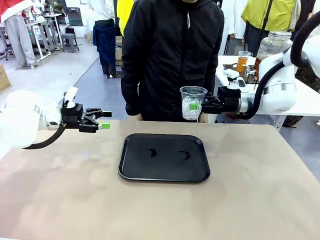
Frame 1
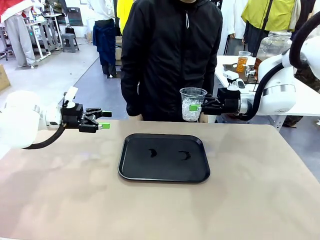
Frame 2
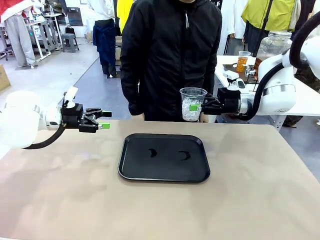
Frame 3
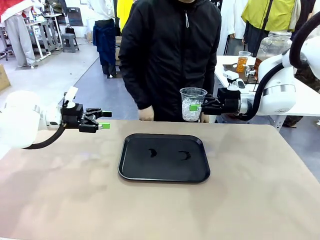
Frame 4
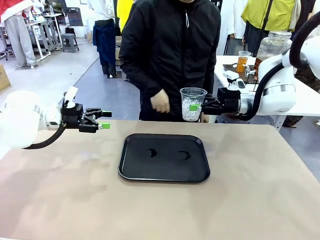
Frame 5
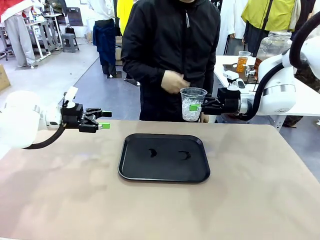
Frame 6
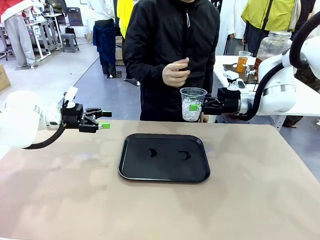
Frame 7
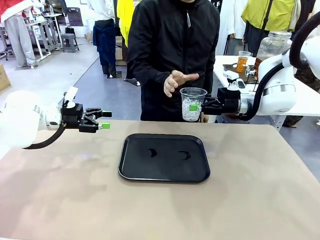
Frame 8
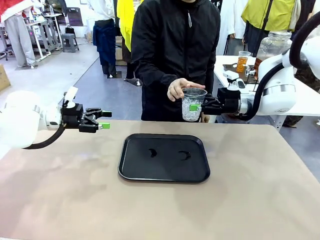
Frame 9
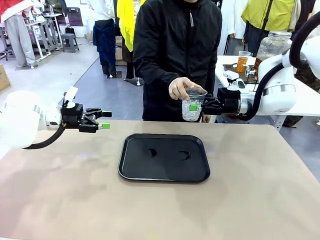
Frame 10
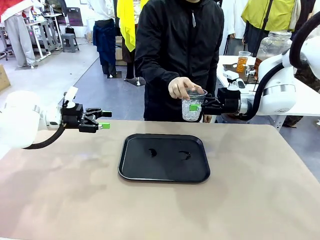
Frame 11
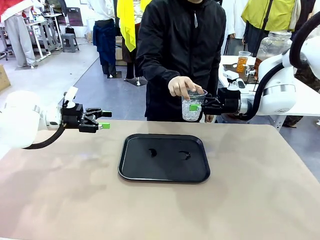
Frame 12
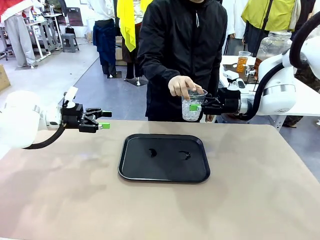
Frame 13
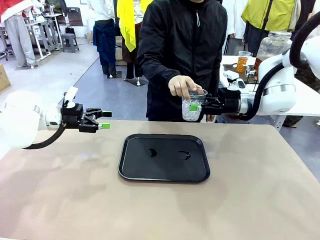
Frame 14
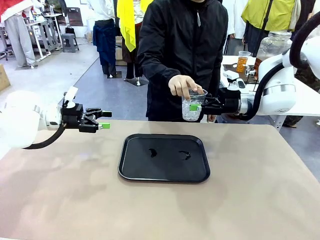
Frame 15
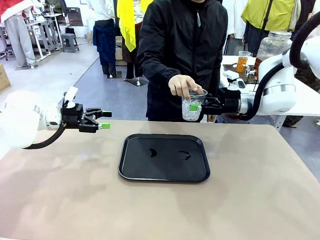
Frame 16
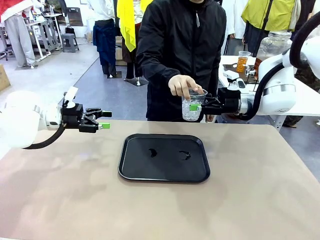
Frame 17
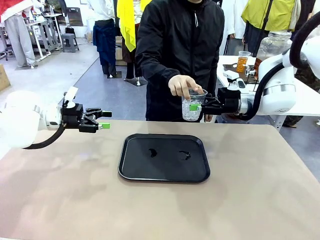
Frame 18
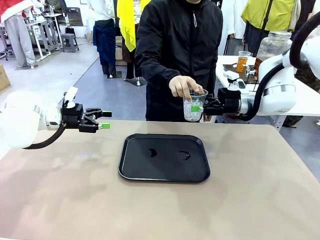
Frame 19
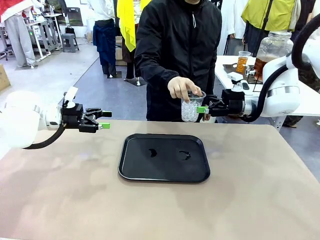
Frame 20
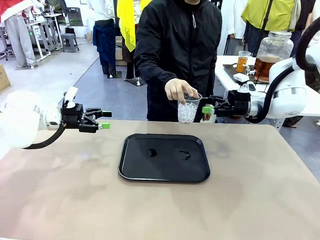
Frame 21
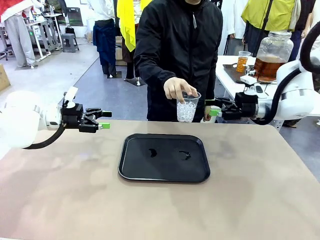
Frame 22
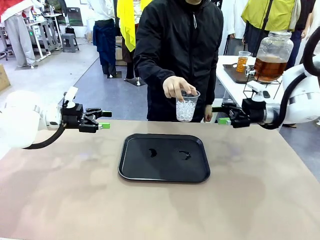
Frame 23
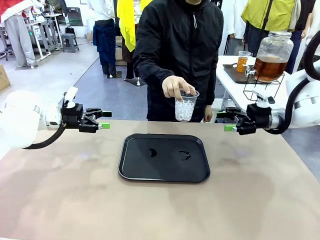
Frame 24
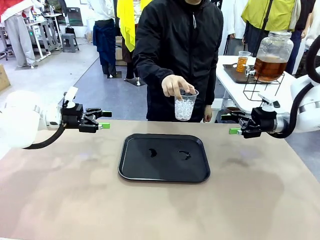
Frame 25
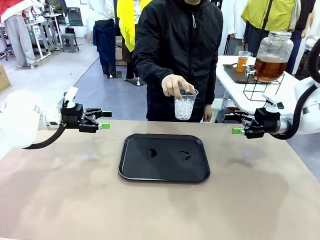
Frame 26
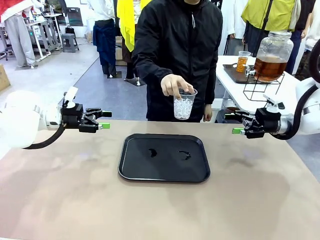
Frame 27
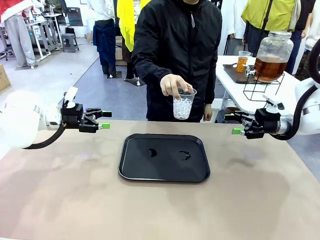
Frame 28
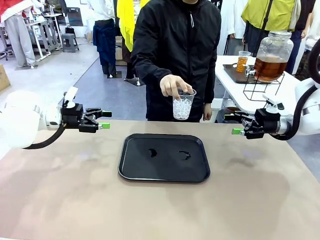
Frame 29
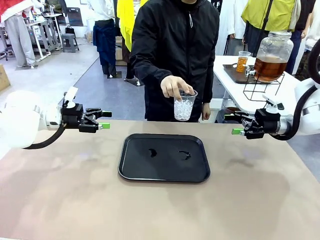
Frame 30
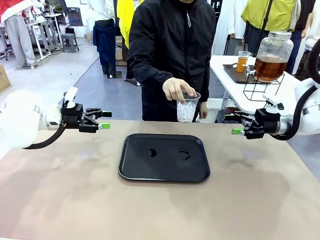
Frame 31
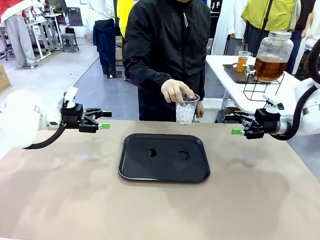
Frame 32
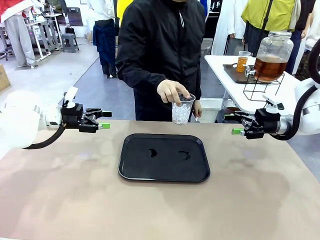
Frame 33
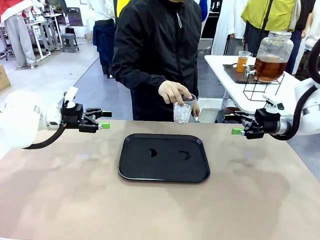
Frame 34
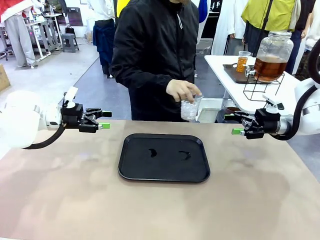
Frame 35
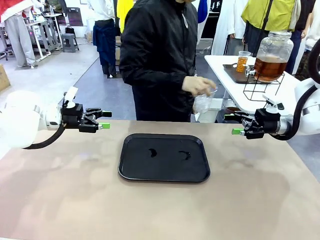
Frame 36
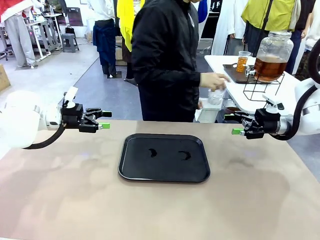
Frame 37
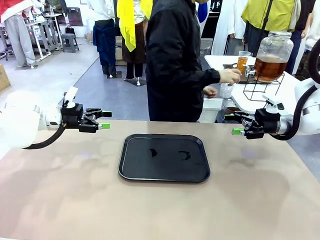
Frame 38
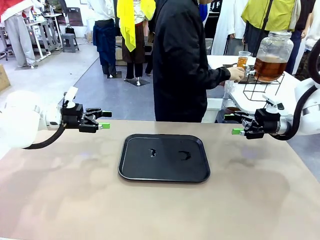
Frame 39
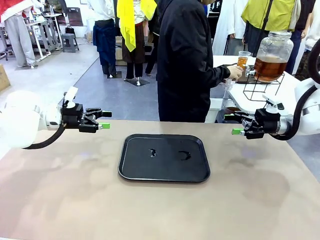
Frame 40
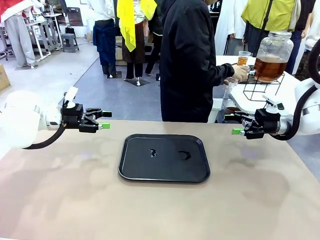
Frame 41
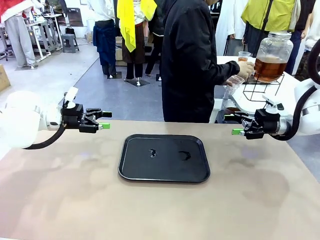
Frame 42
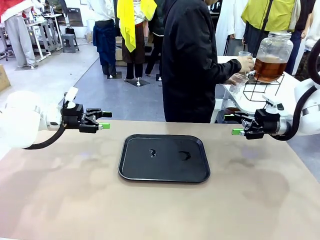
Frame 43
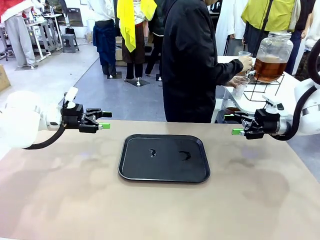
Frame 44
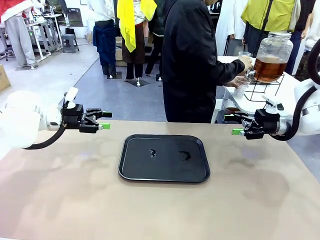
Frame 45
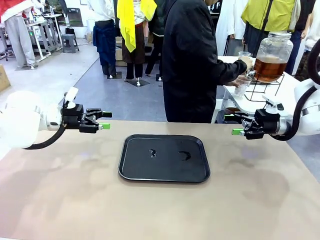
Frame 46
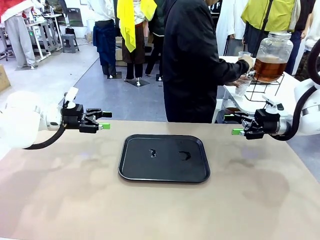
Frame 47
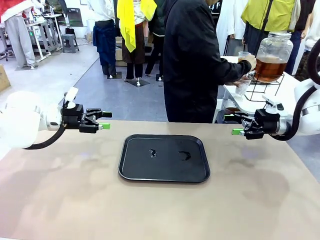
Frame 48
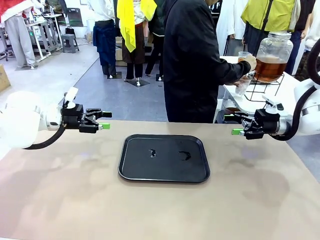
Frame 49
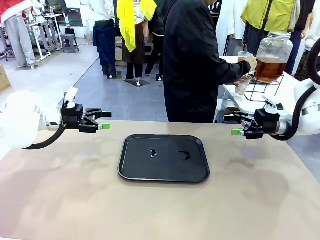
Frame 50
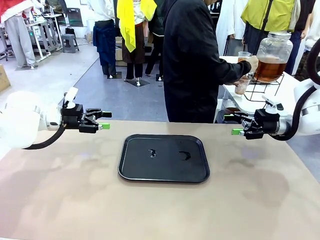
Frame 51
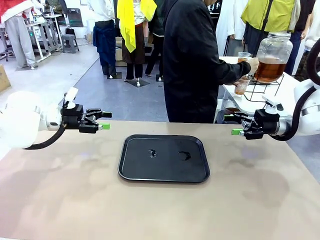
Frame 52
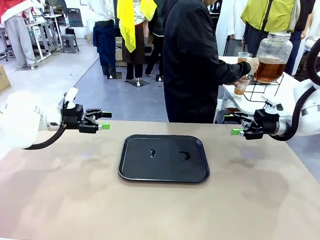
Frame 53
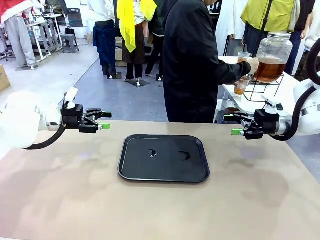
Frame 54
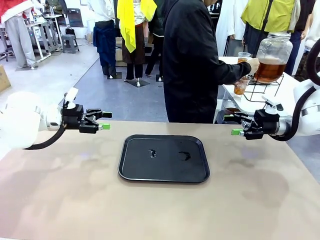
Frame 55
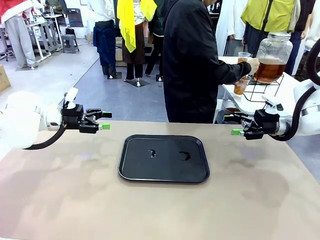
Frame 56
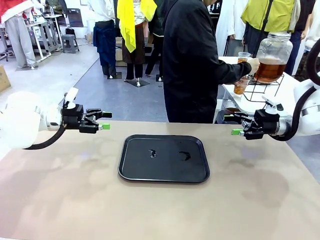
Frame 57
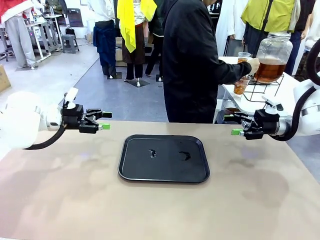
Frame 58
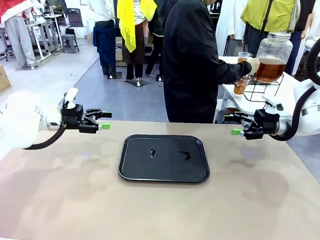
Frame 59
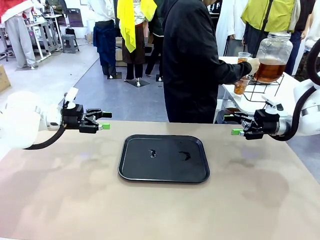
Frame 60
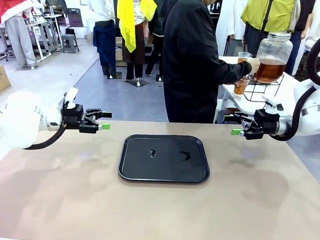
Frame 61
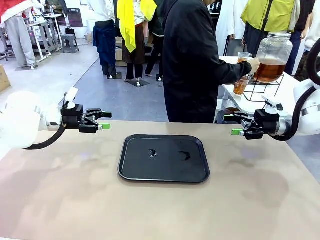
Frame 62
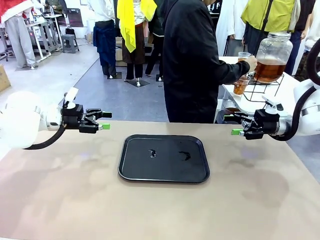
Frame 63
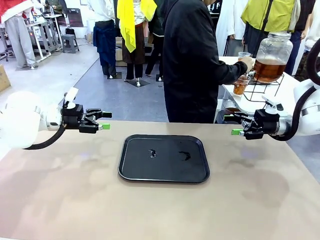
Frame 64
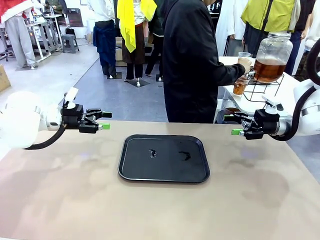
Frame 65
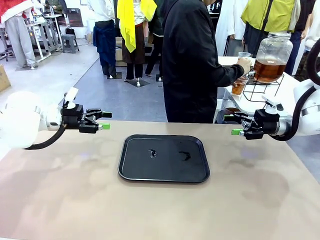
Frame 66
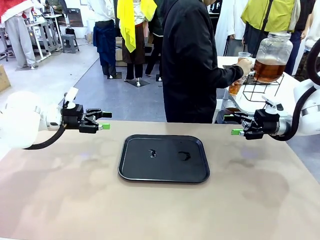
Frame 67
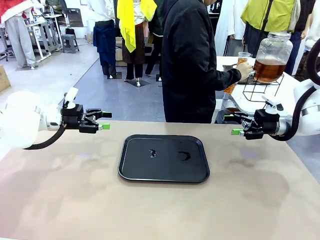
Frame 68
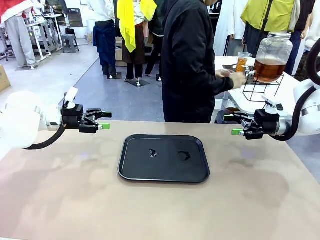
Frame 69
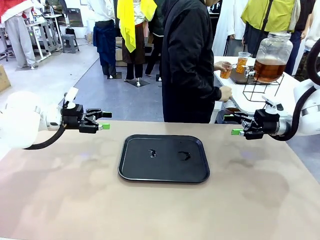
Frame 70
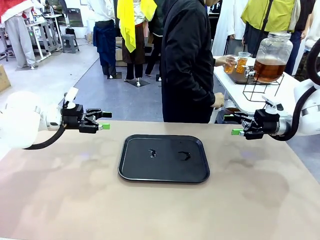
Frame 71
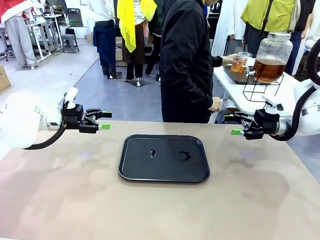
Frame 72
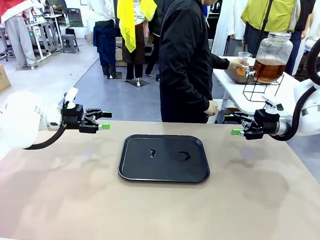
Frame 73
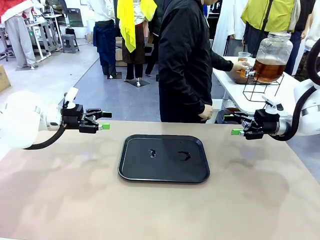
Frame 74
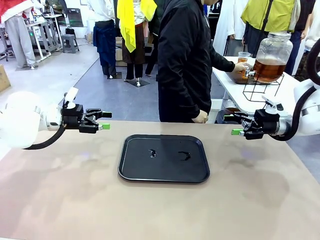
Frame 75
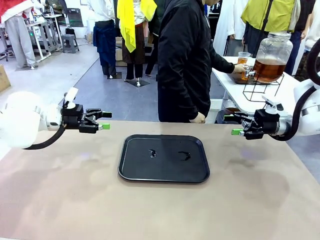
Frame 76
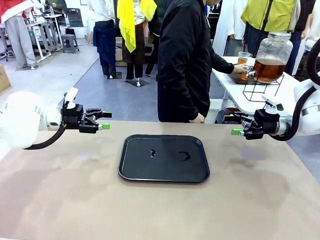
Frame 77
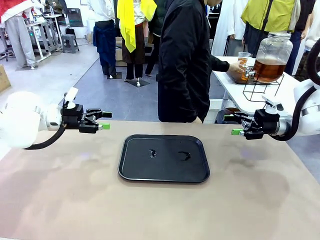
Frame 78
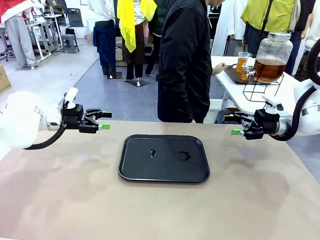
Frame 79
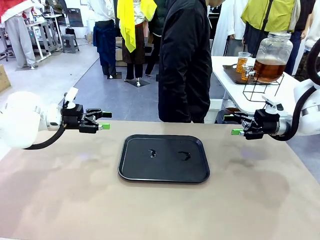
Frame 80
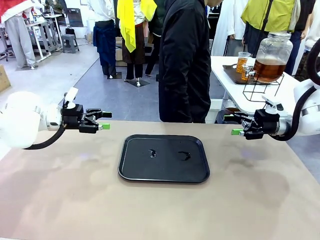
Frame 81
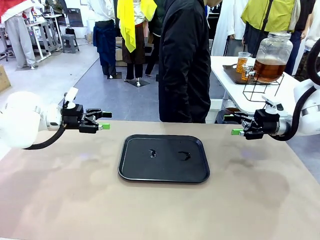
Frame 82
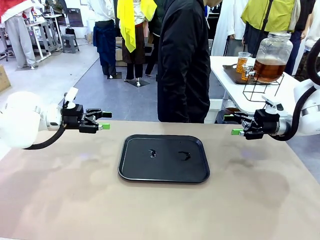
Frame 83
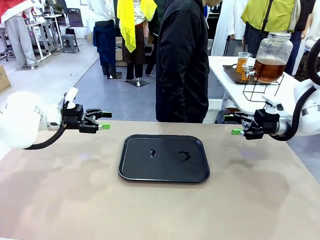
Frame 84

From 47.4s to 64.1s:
Task: Pour the drink into the iced cup.
Robot: Open the gripper to release the iced cup you were holding.
Person: Move the picked-up cup under the dispenser faucet, pour the drink, and place it on the tray on the human table.
